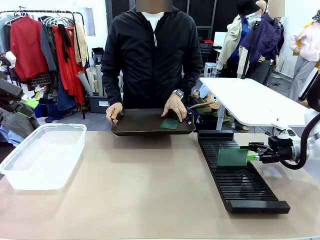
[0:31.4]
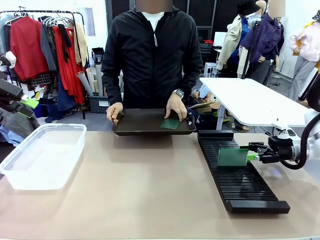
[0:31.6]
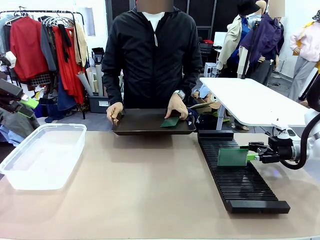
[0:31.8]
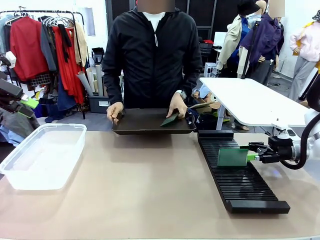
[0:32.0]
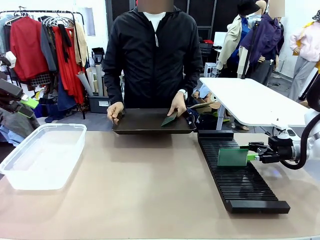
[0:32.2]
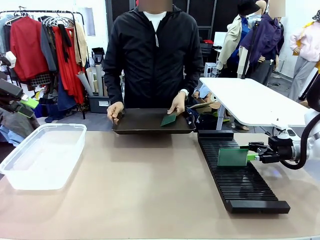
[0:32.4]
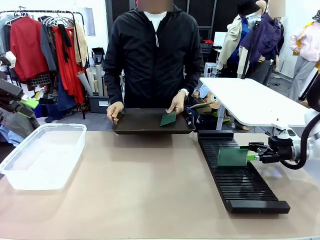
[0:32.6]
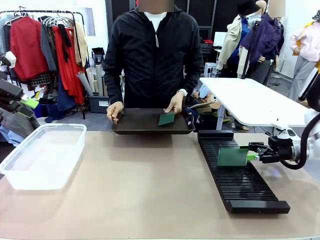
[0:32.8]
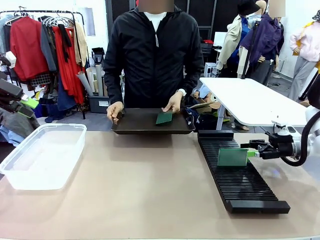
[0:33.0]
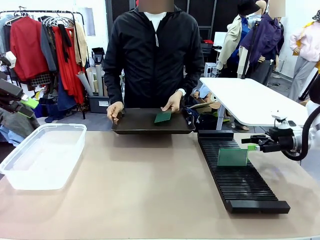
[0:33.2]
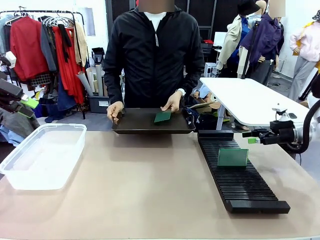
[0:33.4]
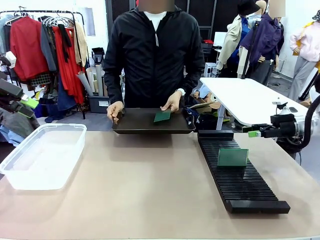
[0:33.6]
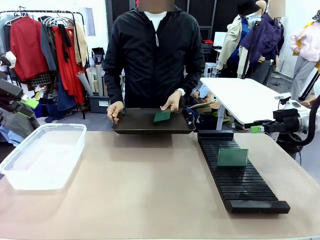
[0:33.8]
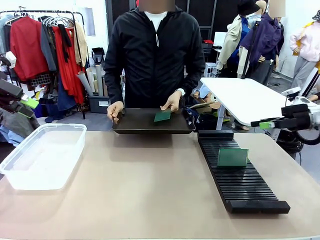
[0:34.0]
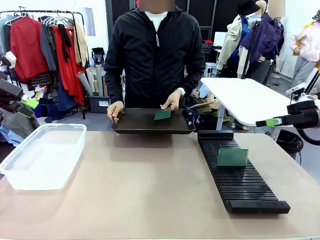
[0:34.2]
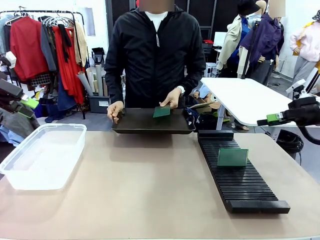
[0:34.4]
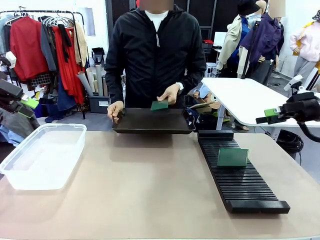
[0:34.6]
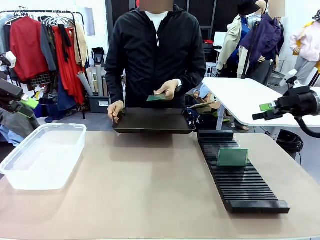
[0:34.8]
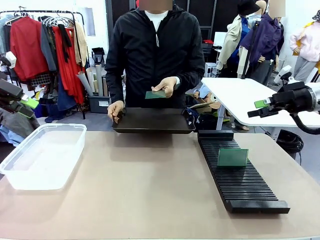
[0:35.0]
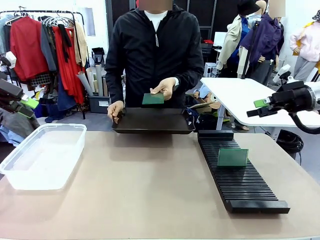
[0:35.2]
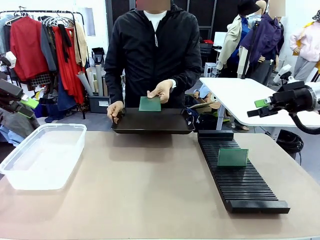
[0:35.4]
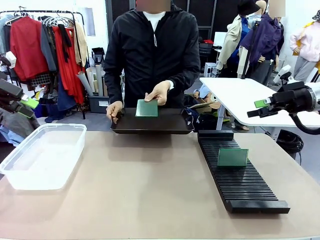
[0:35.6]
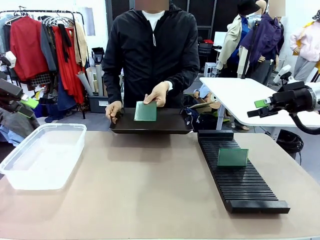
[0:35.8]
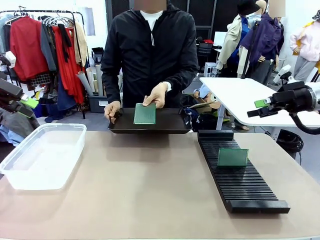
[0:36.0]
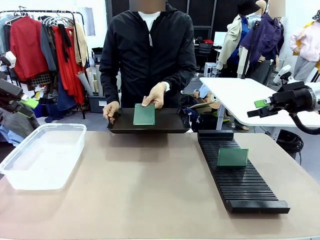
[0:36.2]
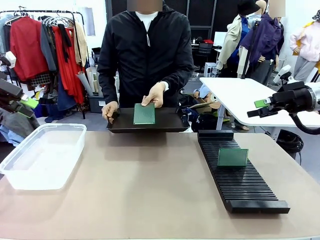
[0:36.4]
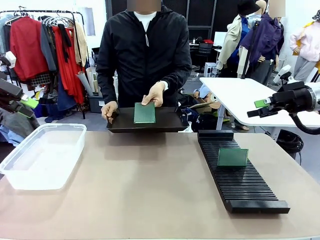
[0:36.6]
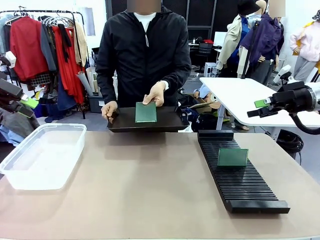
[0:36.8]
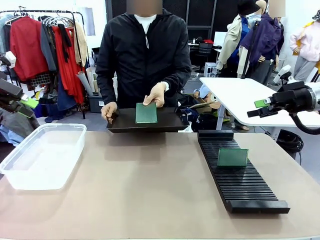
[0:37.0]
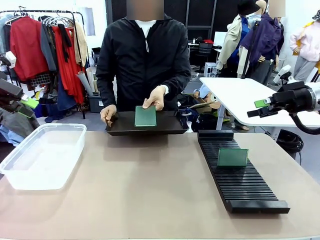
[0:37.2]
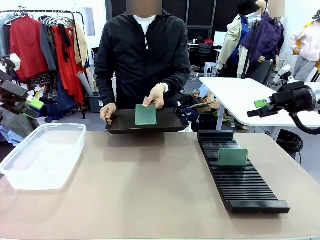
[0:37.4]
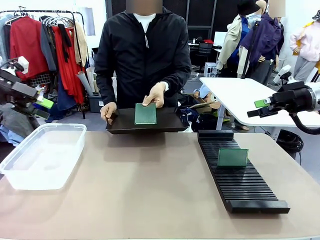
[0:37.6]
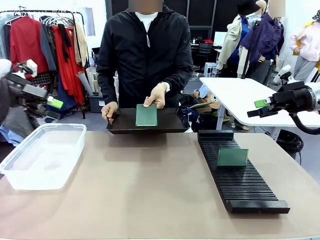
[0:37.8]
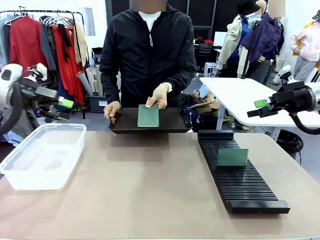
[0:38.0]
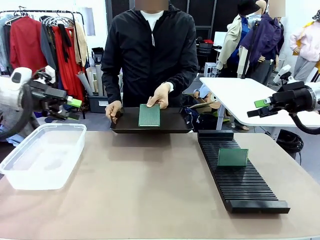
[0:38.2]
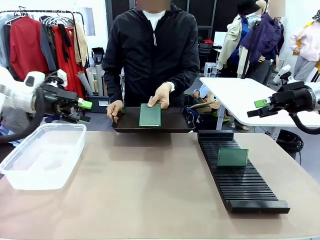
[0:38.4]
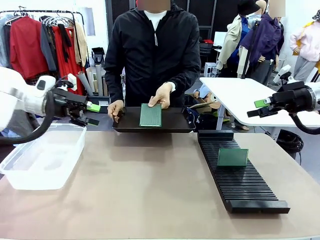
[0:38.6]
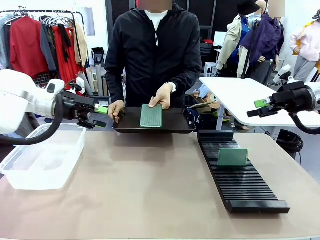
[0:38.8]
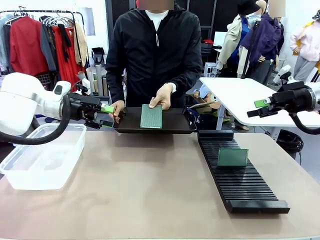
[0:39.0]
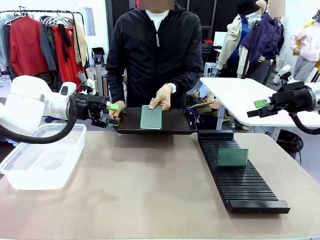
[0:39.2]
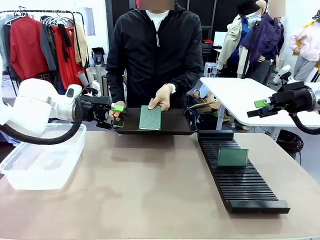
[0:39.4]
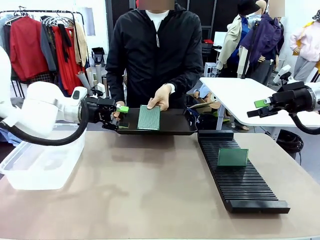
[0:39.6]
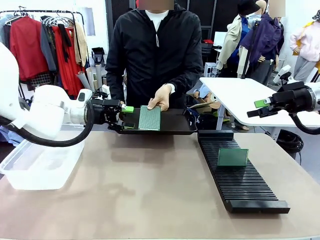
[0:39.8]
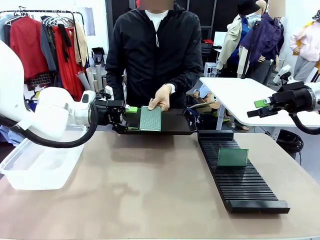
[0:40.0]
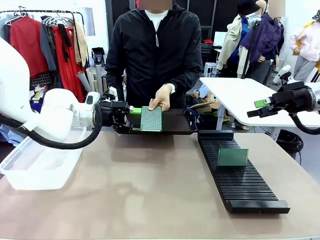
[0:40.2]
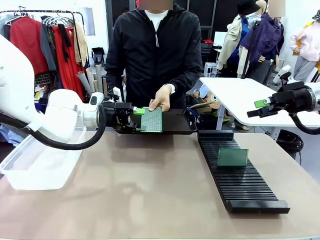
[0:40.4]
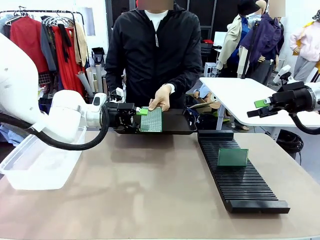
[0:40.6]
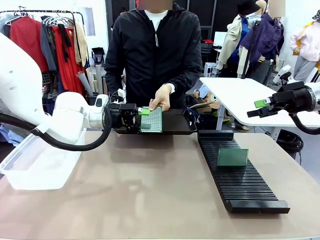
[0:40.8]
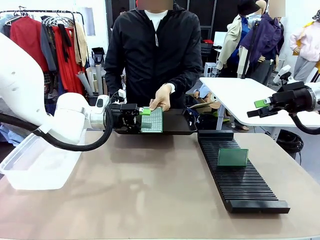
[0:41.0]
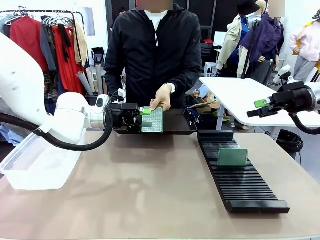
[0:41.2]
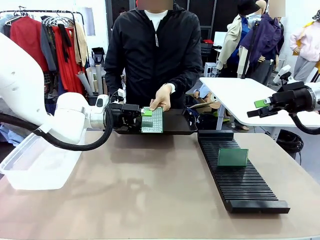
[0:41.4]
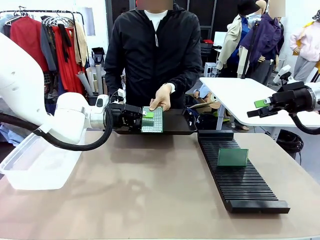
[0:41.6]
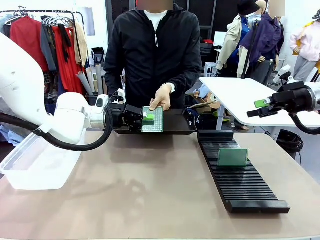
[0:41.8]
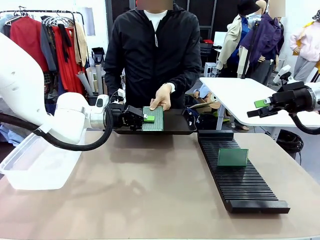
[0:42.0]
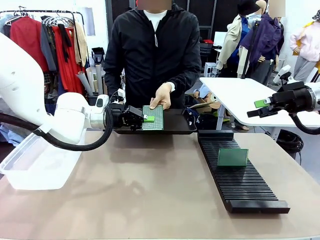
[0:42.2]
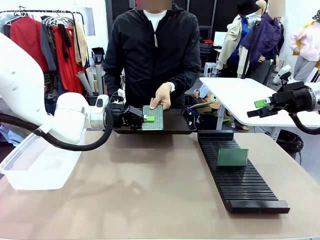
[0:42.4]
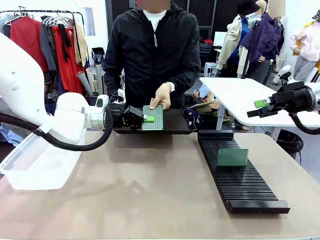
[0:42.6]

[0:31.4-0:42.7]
Task: Sort PCBs into racks and boxes based on the side picked up.
Robot: Pick up the Blank PCB handed by the Human.

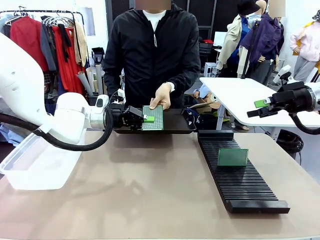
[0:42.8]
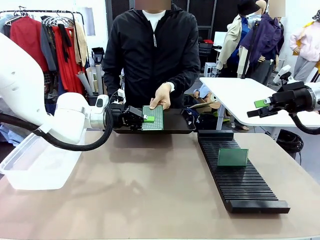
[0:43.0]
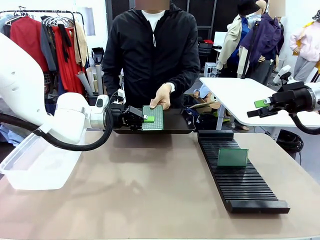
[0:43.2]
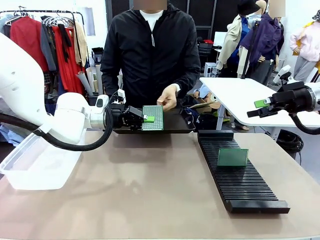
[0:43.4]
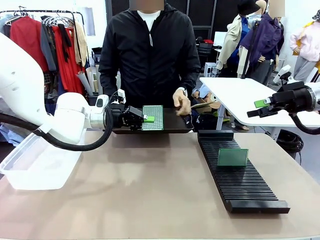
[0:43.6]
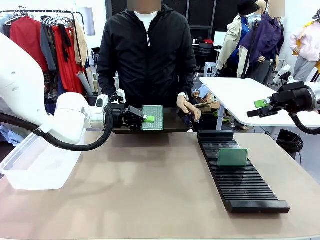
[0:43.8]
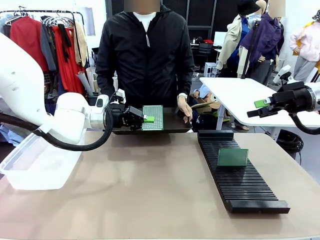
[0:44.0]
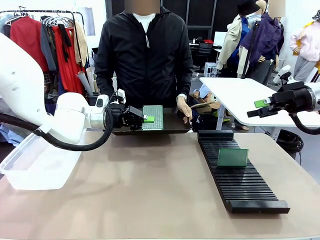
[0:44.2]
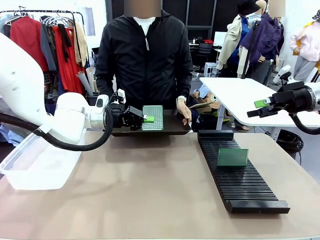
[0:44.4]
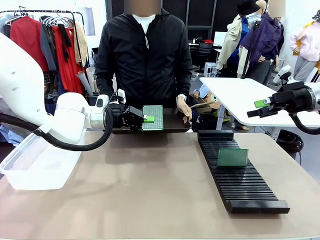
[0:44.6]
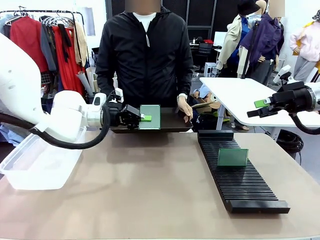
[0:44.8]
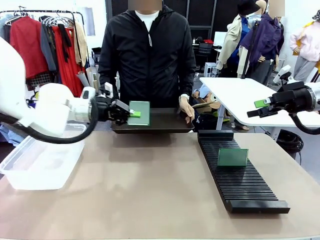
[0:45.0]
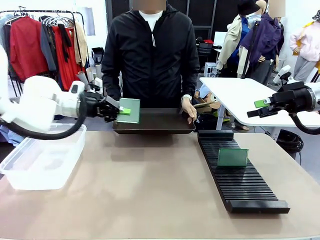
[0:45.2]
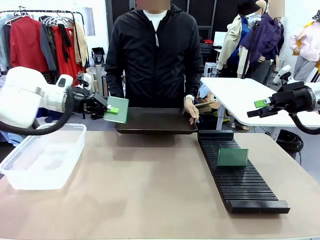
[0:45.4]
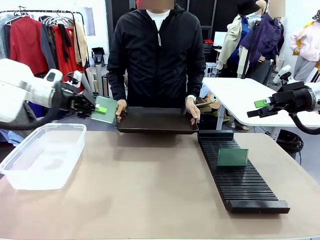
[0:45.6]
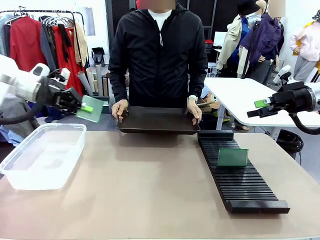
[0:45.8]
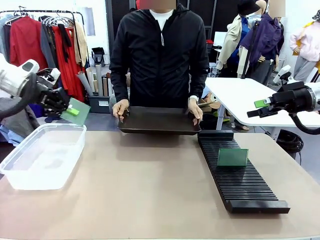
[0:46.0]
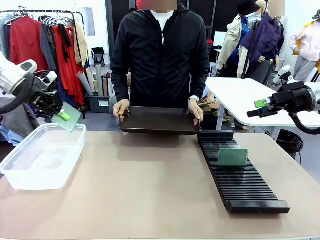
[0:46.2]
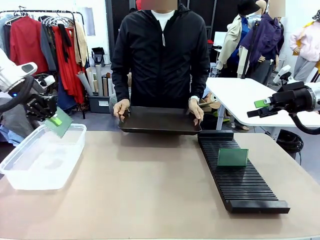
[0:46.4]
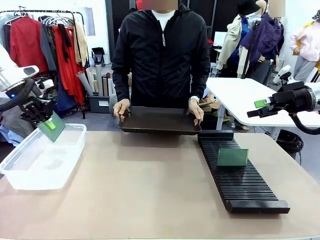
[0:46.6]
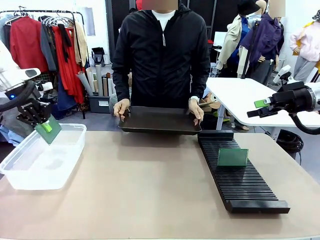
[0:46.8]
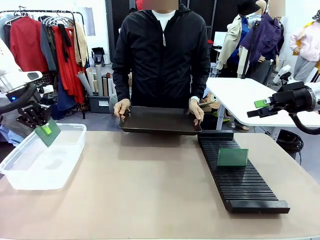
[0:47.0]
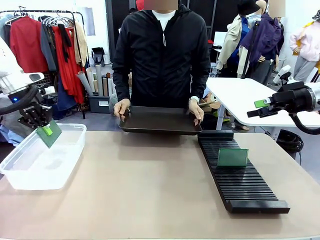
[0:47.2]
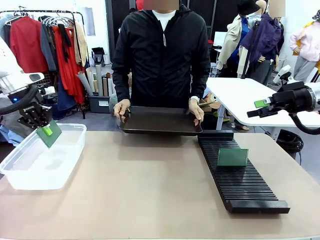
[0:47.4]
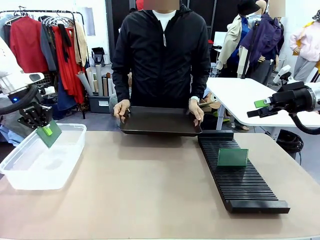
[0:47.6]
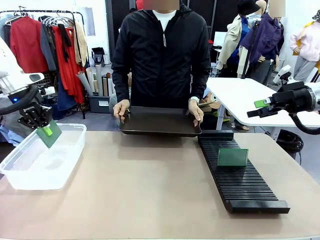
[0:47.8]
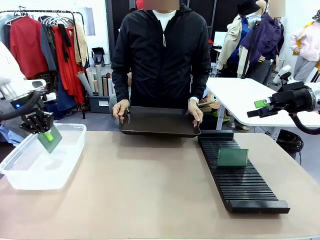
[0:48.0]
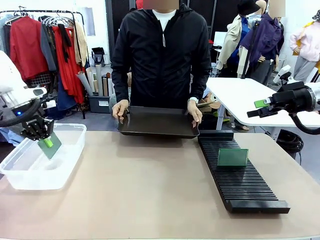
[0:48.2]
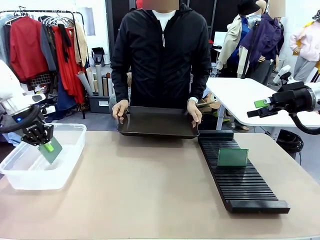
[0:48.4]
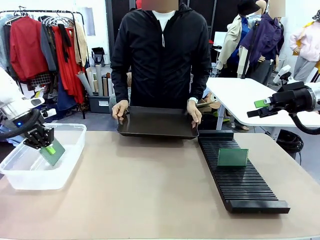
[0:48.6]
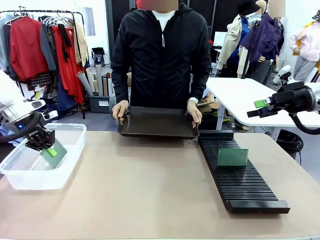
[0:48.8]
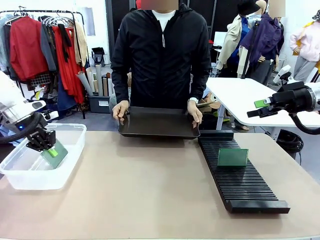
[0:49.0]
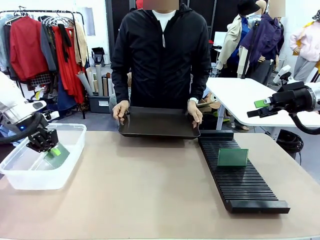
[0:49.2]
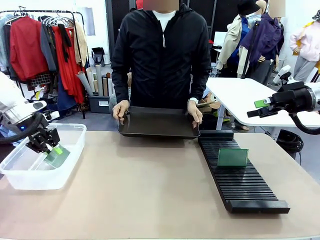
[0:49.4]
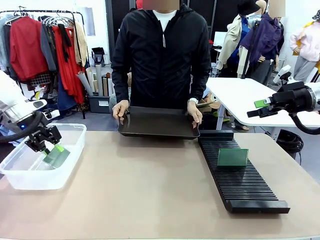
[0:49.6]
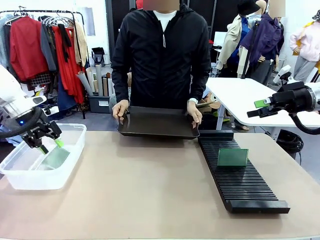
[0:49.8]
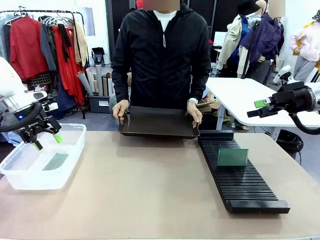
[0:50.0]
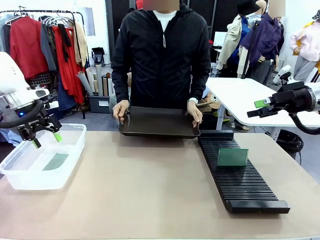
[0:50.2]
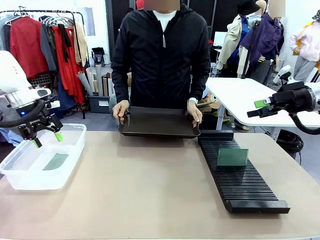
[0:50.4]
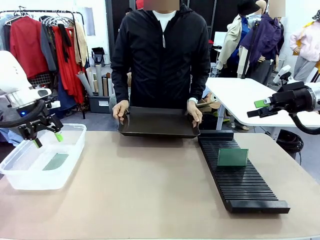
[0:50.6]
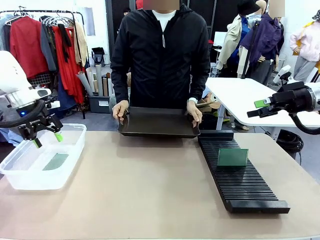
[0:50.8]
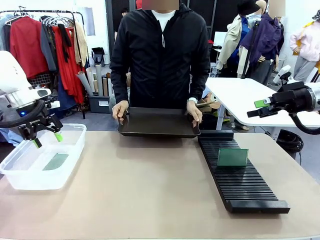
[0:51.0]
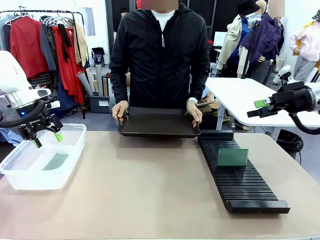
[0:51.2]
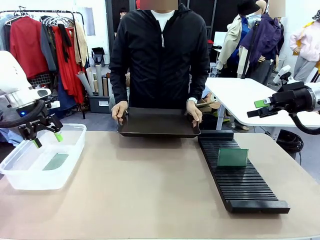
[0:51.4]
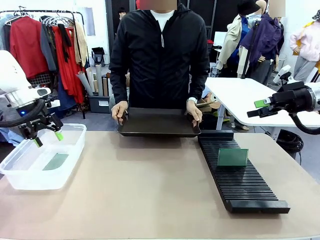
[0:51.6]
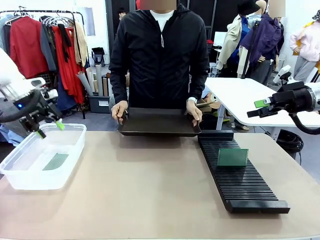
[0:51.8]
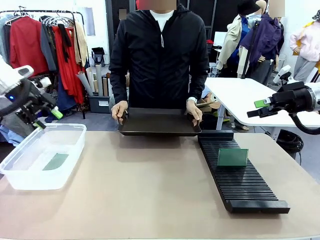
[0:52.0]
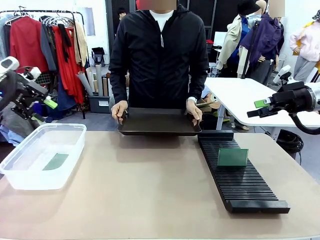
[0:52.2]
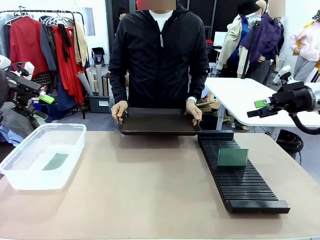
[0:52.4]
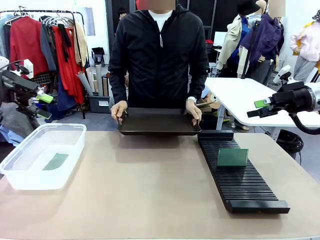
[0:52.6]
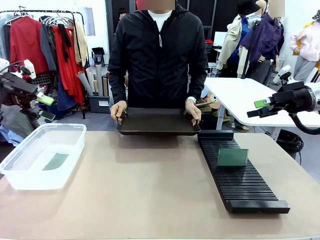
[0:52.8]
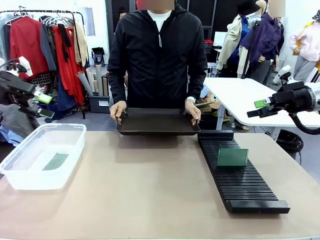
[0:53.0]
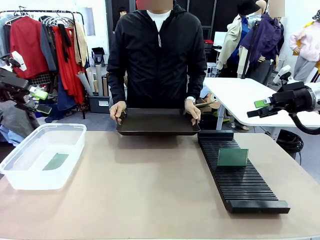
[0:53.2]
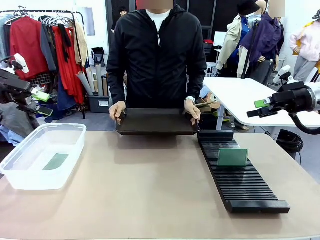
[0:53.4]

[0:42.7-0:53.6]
Robot: If the short side of the Blank PCB is picked up, insert it into the PCB Rack ; if the long side is picked up, place it in the Organizing box.
Person: Release the PCB being held.
